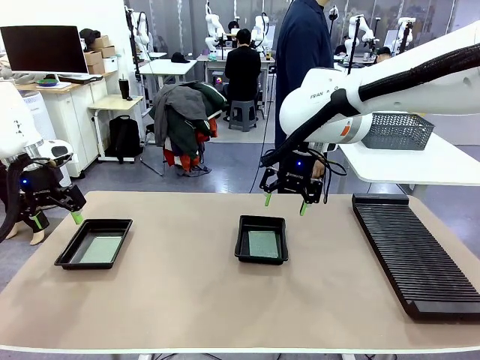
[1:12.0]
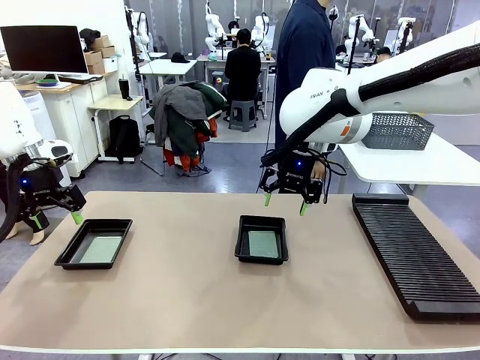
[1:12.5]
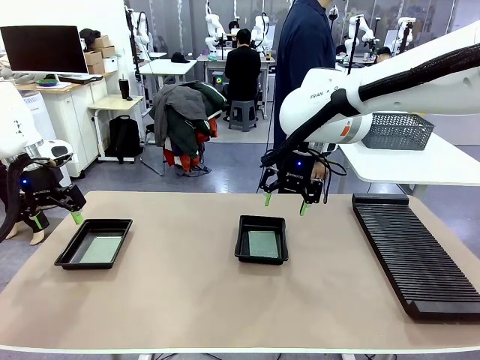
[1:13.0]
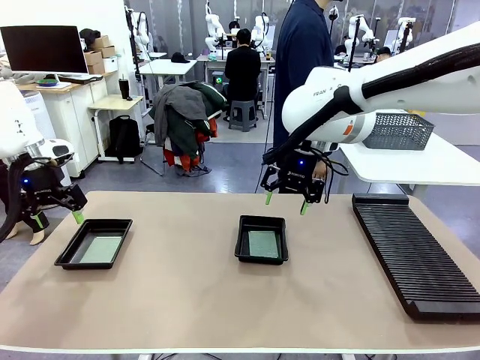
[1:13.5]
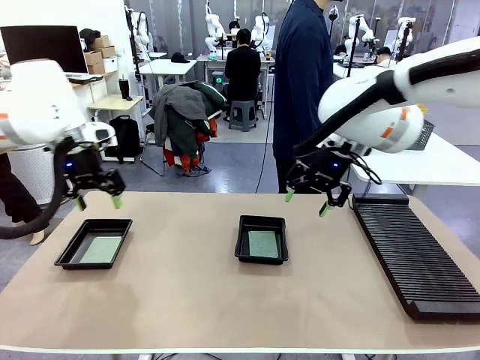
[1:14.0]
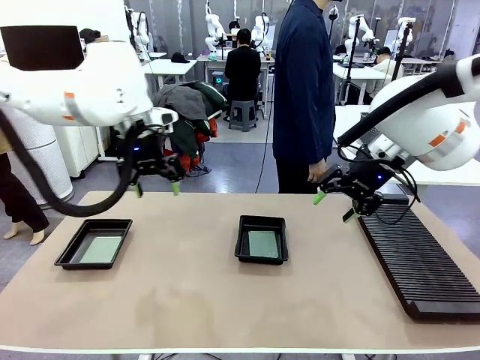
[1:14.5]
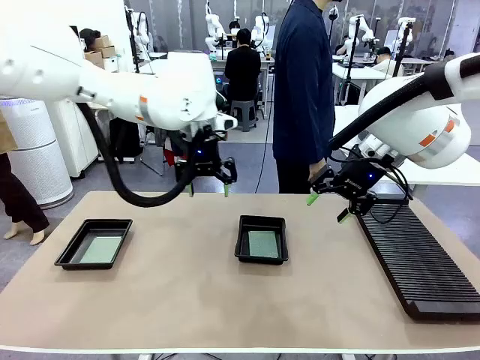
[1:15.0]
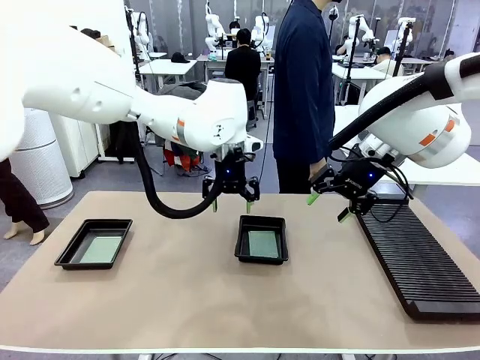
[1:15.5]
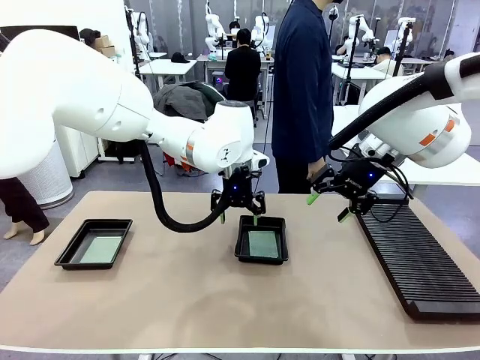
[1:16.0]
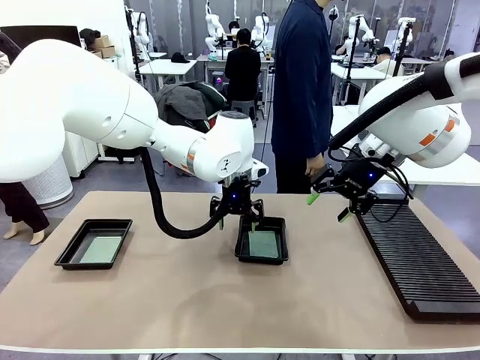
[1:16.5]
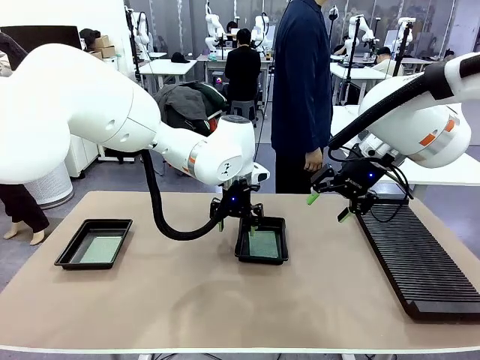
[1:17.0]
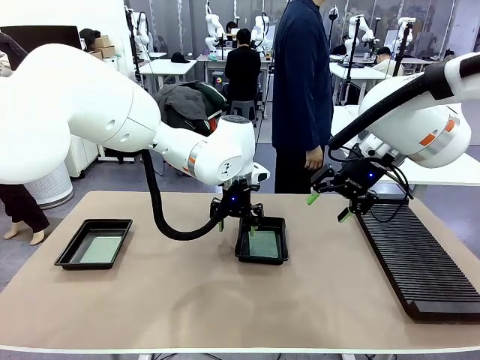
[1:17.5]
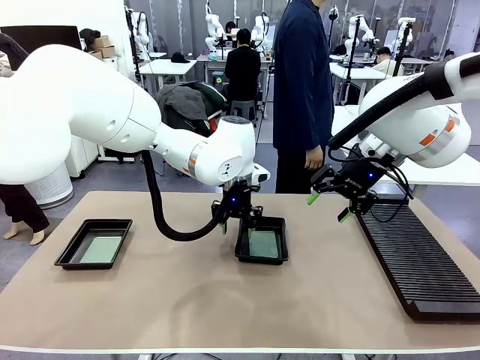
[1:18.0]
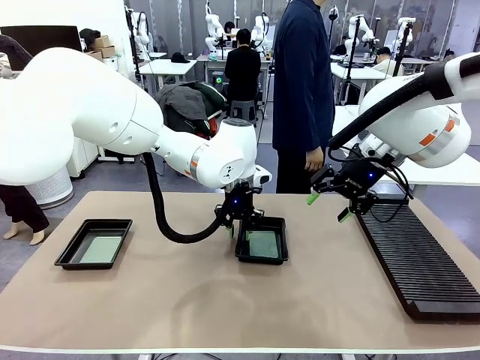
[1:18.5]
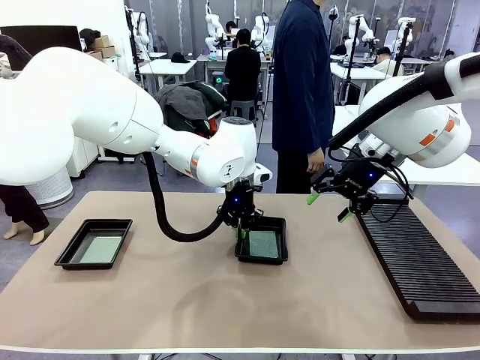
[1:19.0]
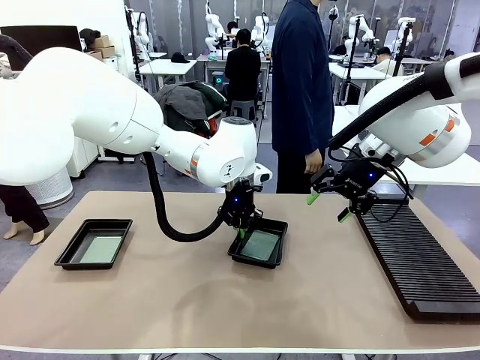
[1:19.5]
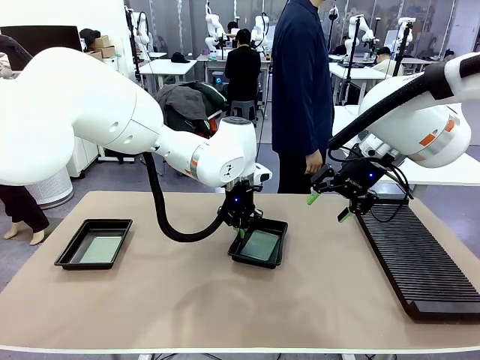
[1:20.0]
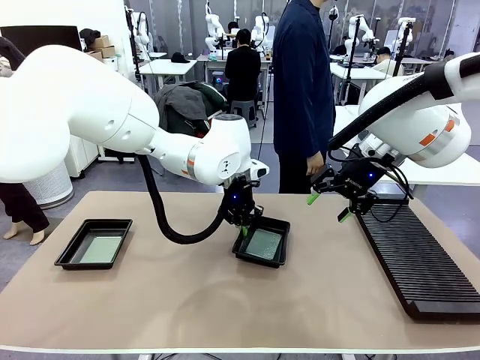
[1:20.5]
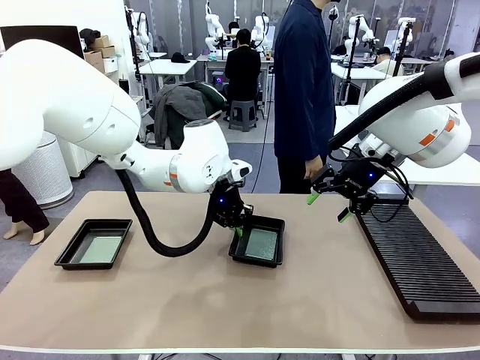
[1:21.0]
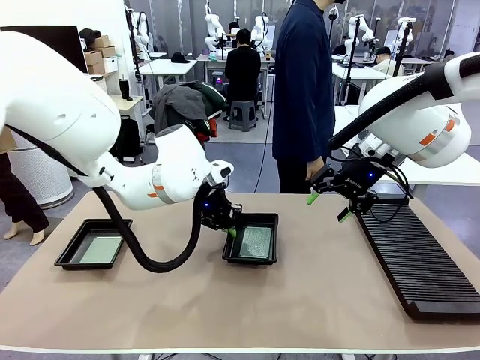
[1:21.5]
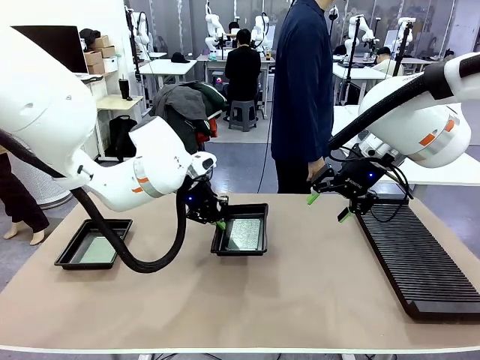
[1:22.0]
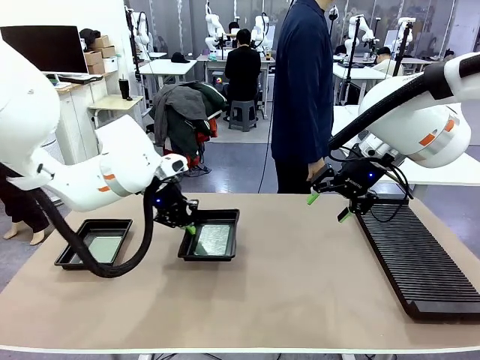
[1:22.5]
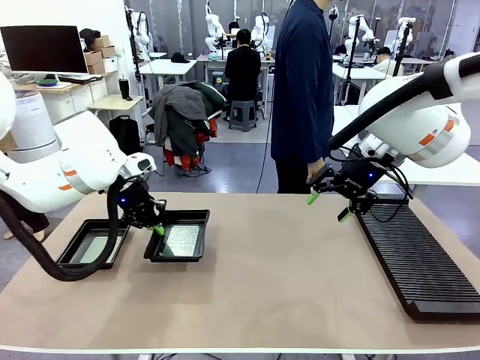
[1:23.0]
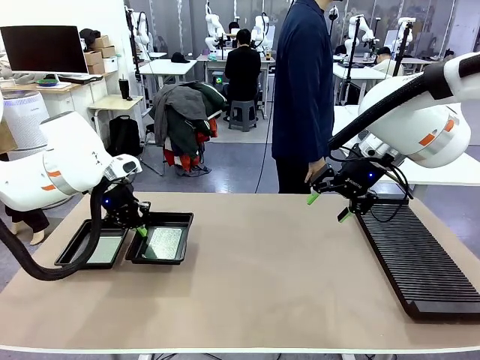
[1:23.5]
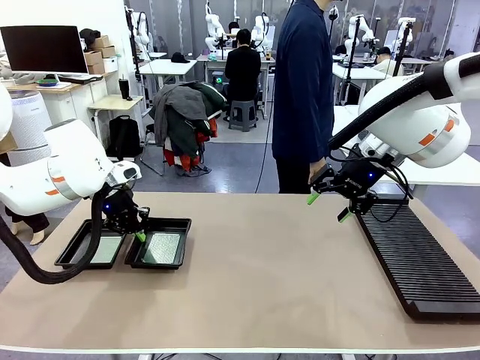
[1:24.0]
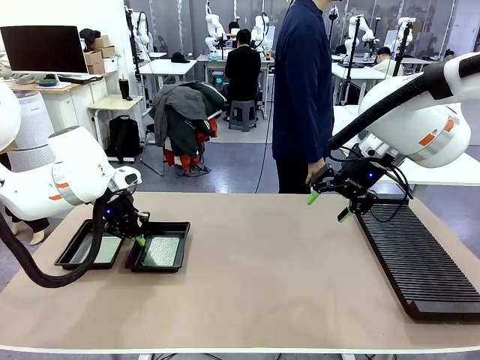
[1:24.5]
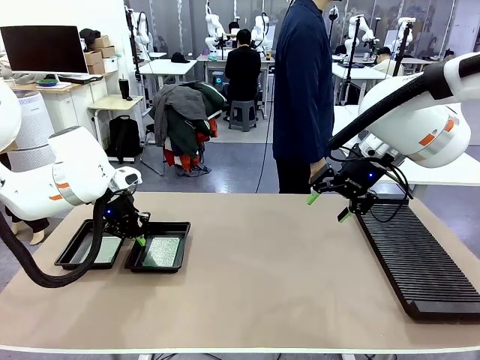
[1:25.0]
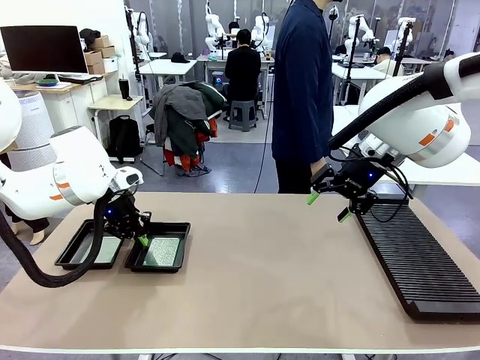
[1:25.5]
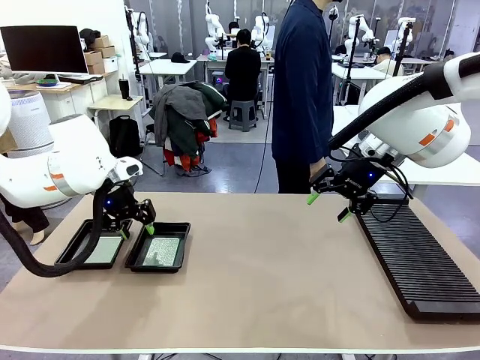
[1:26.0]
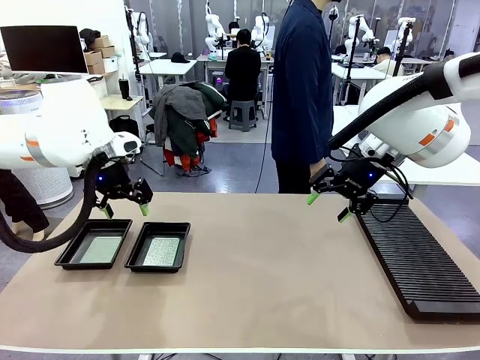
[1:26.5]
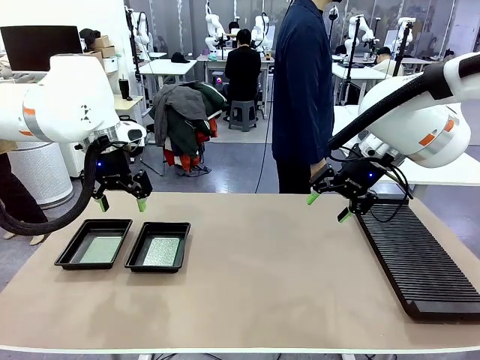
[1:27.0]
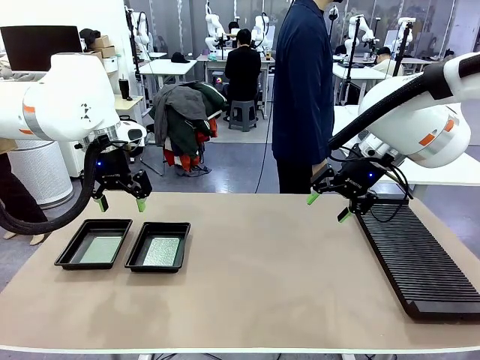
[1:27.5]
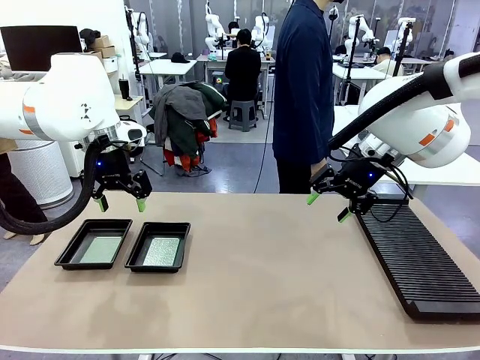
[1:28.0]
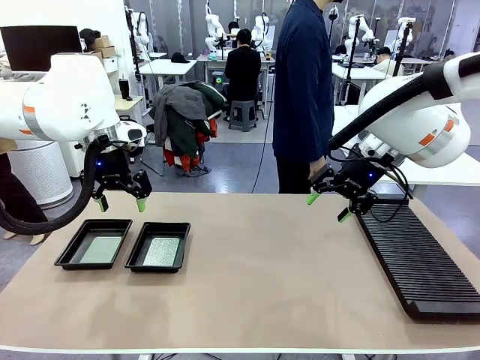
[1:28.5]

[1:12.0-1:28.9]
Task: Inspect and transfer BCBs to ESD trays.
Robot: Pick up the ESD tray and place it on the left side of the table.

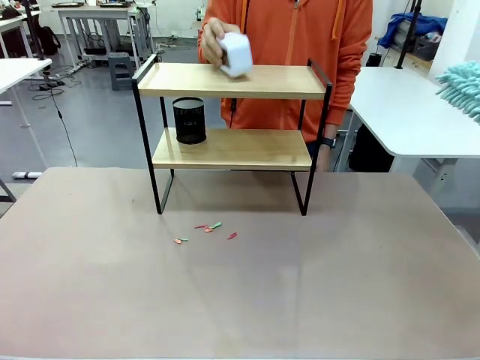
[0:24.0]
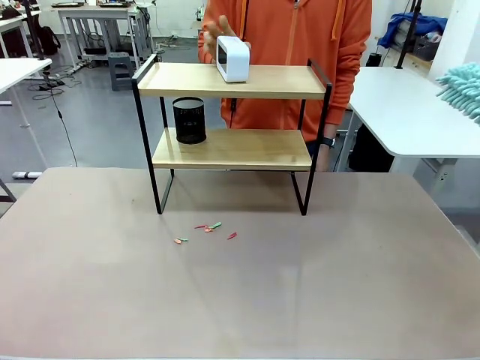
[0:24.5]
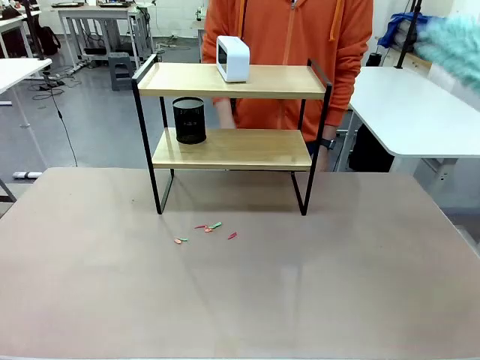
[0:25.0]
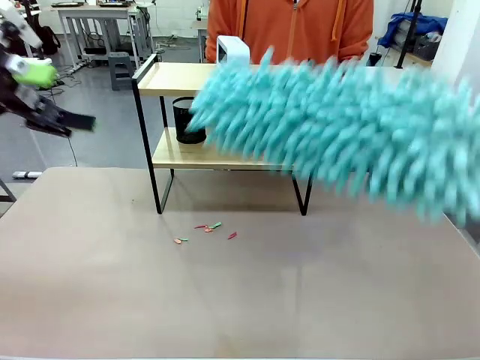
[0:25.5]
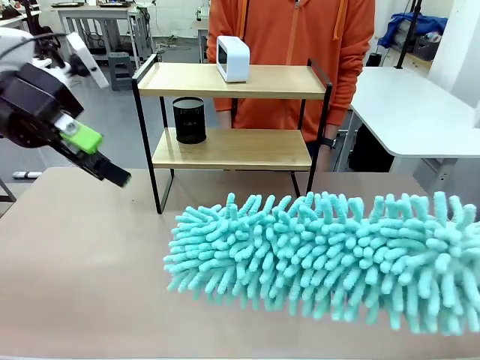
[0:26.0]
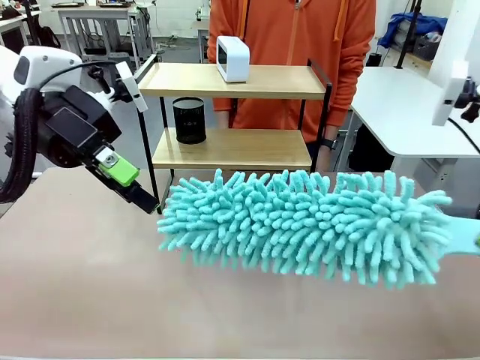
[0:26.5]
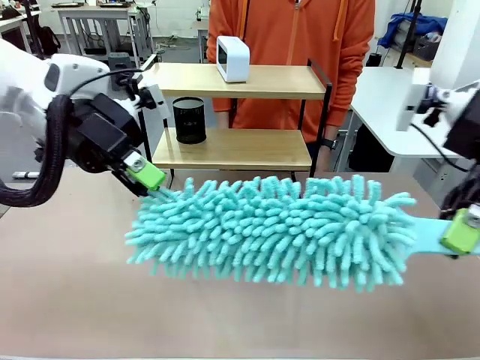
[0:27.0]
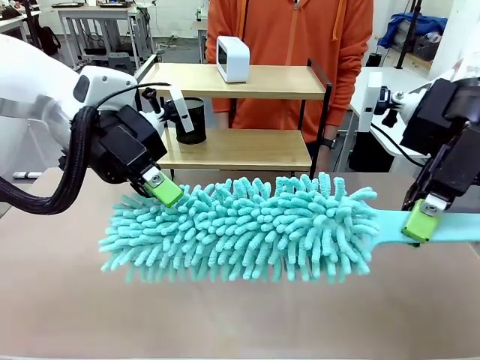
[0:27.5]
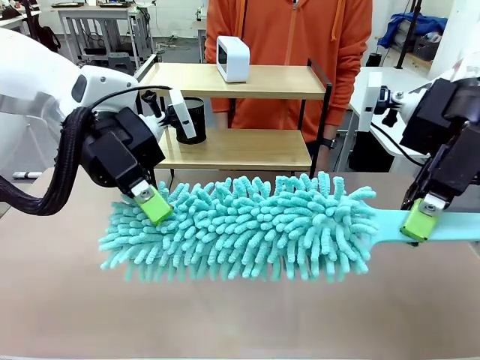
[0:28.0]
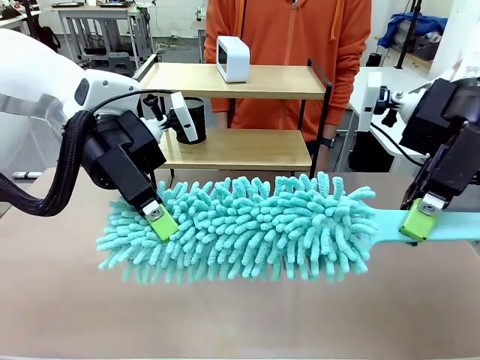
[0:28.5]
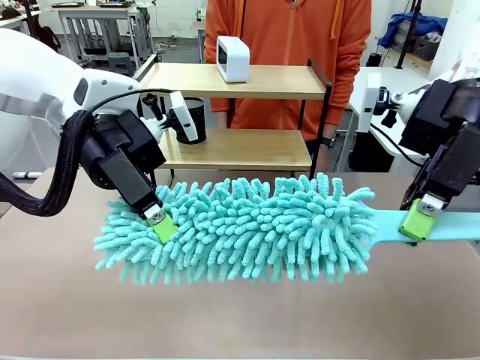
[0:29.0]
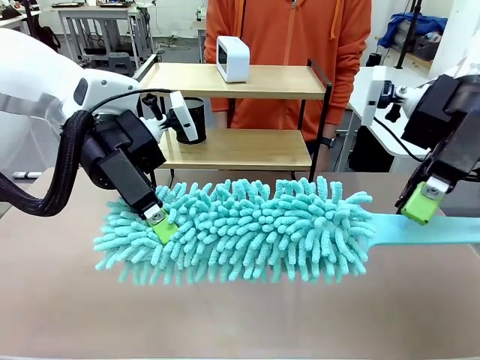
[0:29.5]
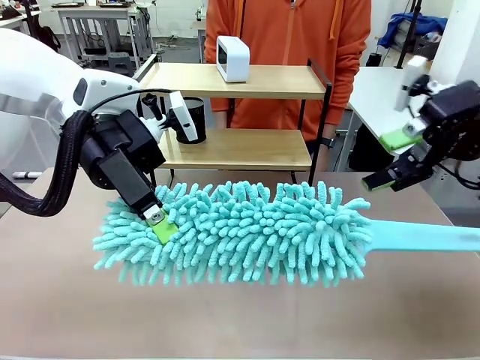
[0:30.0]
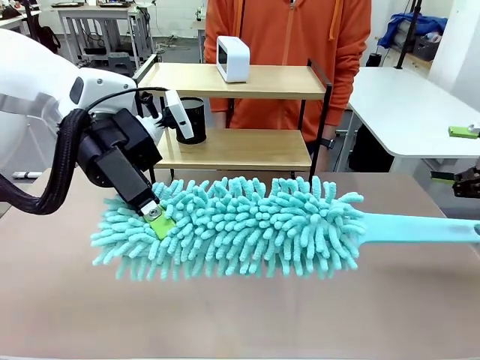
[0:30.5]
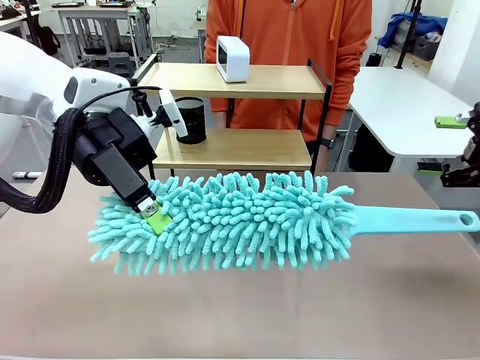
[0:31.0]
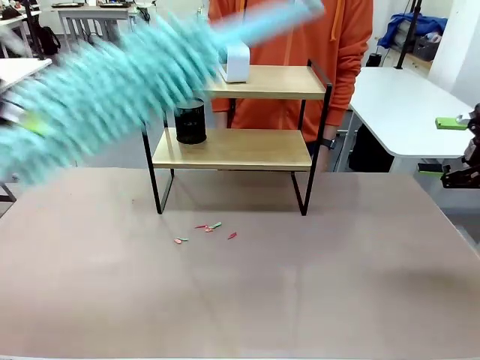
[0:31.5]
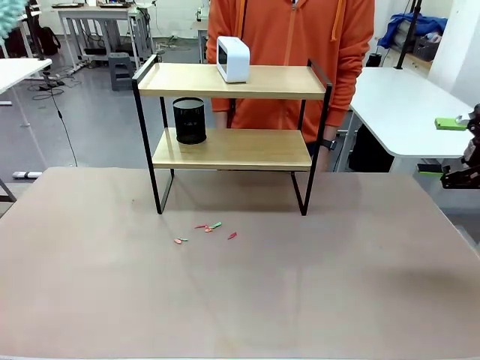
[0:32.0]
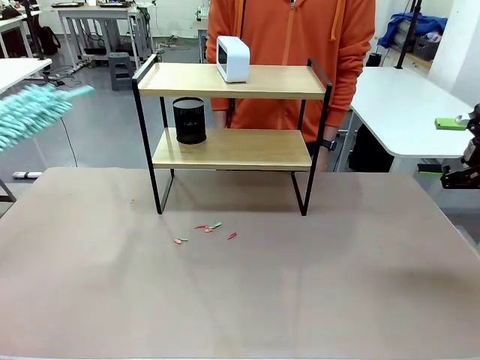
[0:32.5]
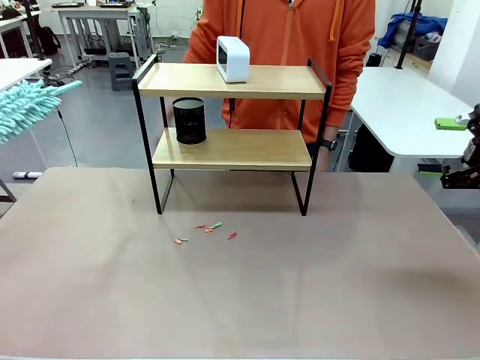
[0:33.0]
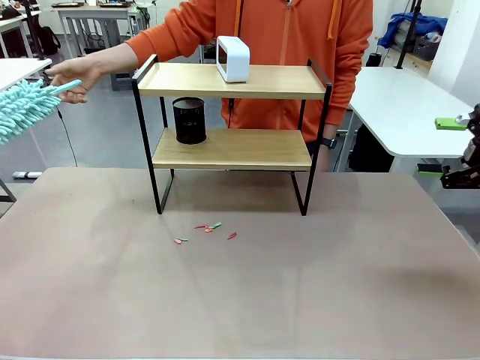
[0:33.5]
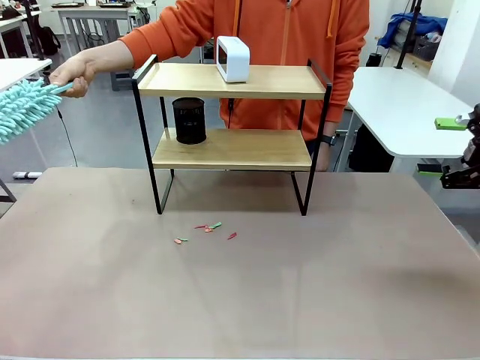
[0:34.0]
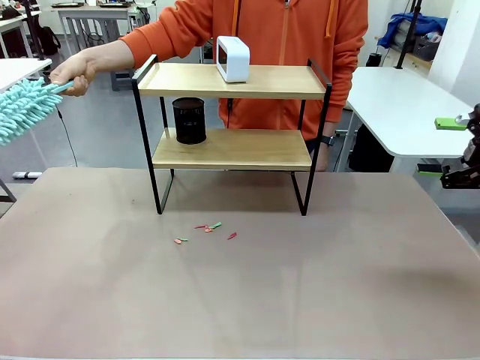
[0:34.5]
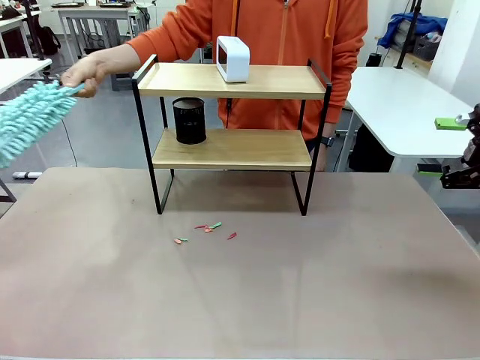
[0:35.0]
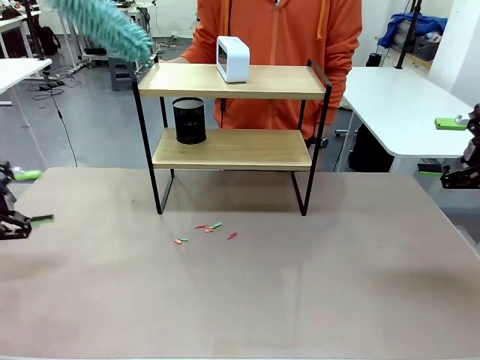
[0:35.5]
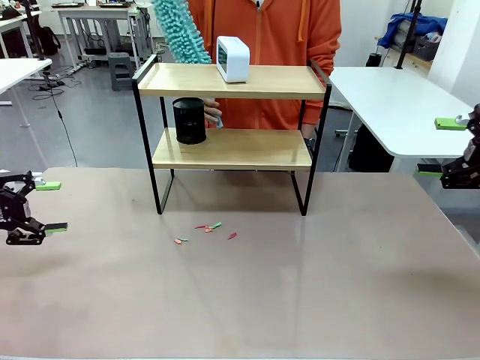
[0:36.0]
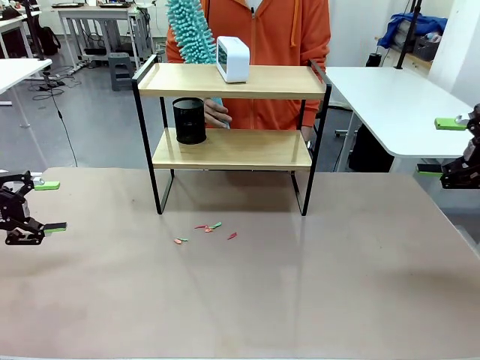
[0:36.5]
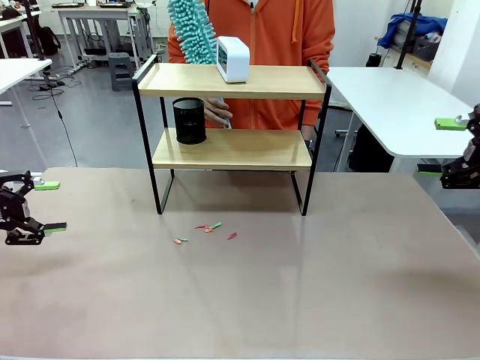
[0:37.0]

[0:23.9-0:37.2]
Task: Clean the shelf.
Robot: Hand the Duster back to the human.
Person: Receive the Duster from the robot.
